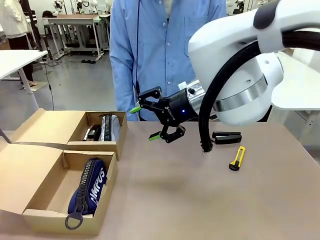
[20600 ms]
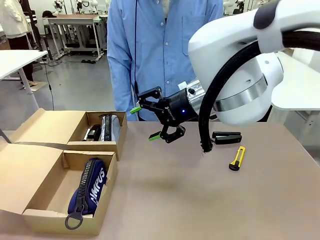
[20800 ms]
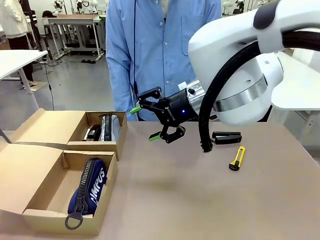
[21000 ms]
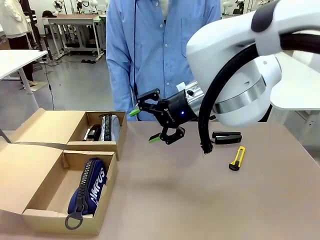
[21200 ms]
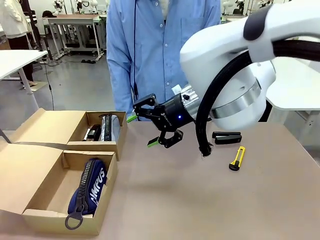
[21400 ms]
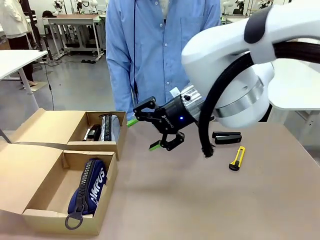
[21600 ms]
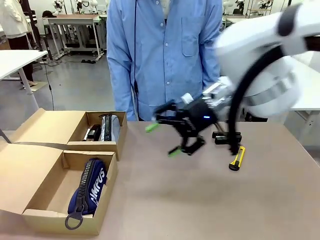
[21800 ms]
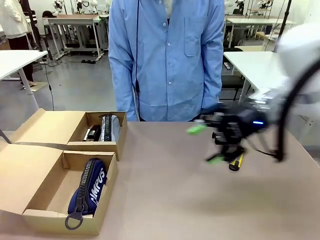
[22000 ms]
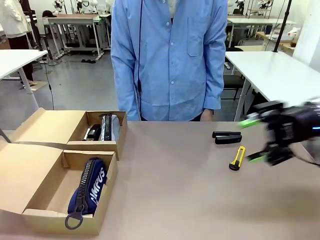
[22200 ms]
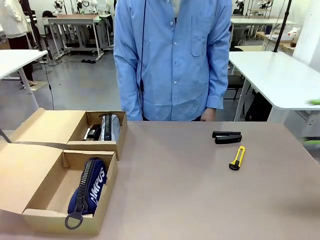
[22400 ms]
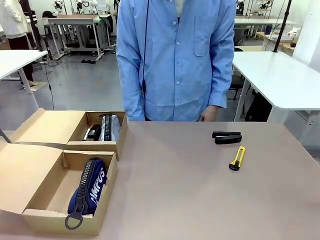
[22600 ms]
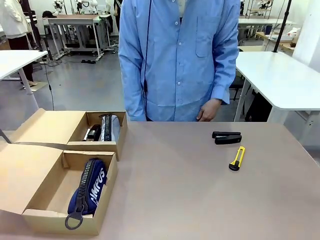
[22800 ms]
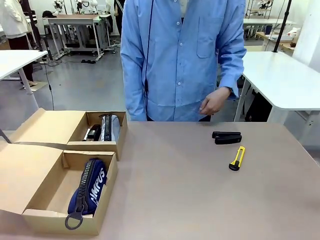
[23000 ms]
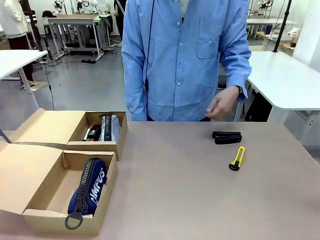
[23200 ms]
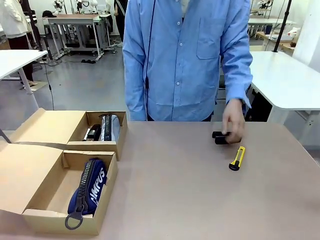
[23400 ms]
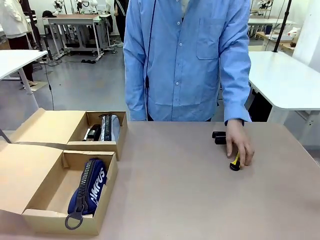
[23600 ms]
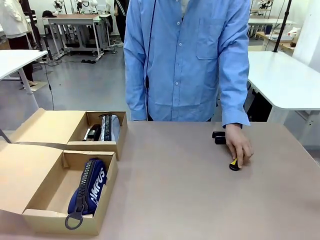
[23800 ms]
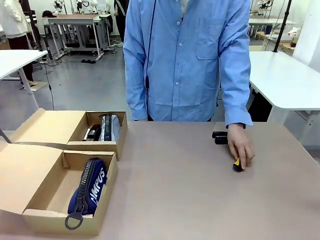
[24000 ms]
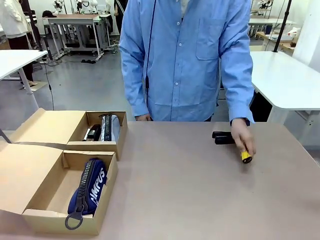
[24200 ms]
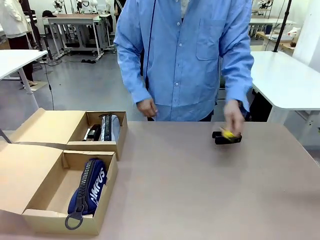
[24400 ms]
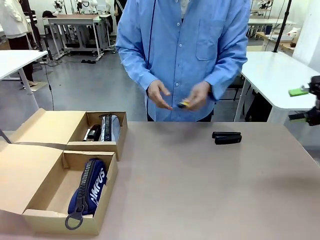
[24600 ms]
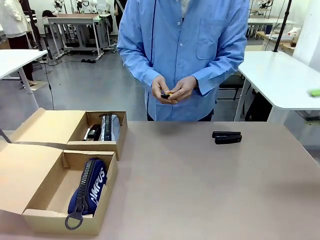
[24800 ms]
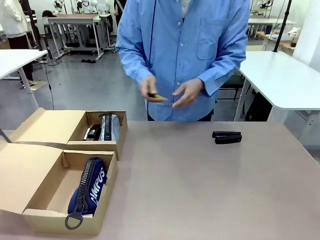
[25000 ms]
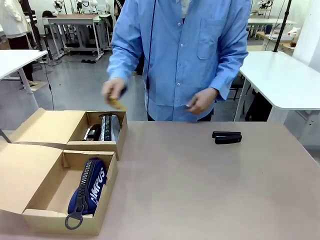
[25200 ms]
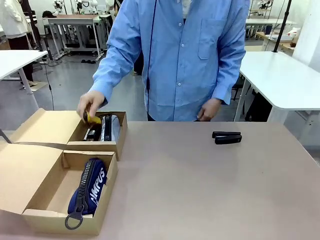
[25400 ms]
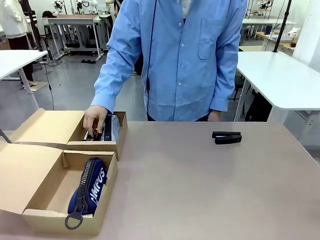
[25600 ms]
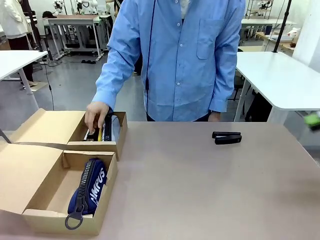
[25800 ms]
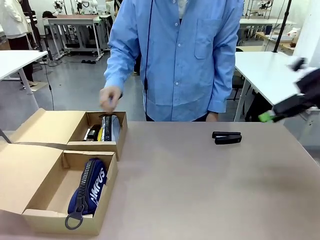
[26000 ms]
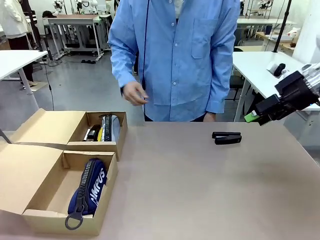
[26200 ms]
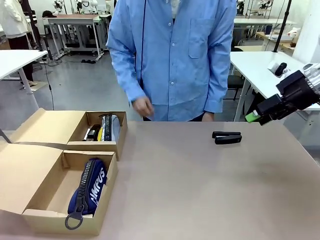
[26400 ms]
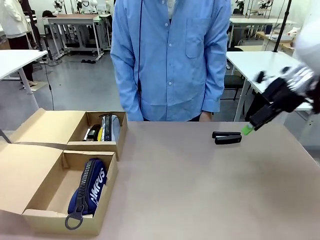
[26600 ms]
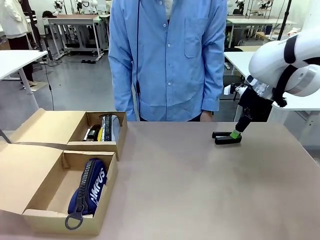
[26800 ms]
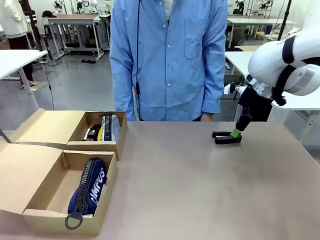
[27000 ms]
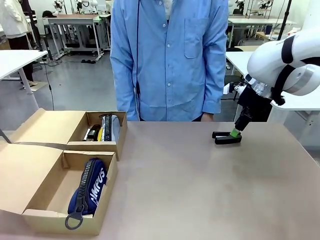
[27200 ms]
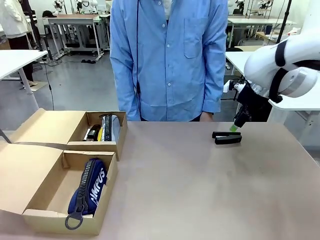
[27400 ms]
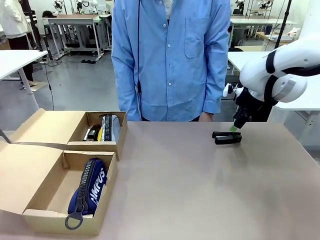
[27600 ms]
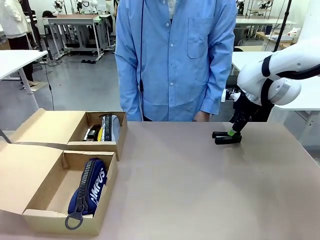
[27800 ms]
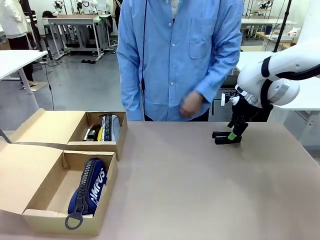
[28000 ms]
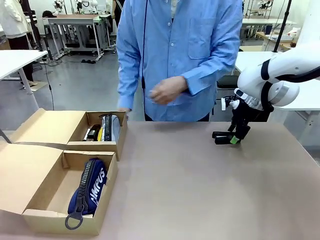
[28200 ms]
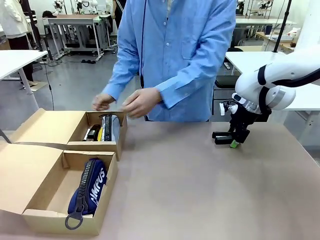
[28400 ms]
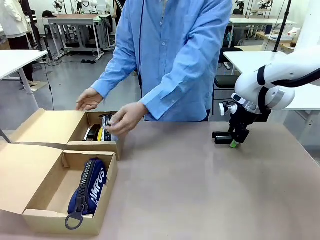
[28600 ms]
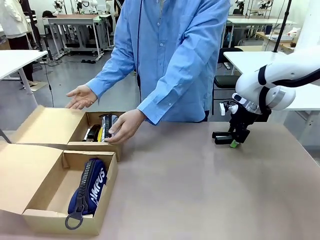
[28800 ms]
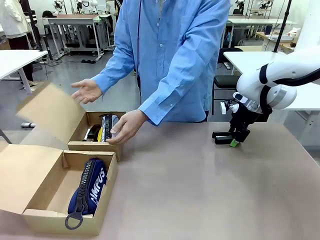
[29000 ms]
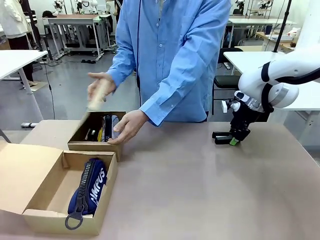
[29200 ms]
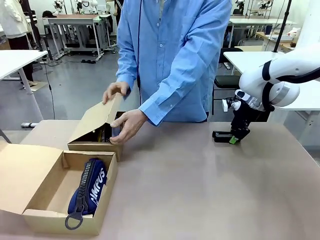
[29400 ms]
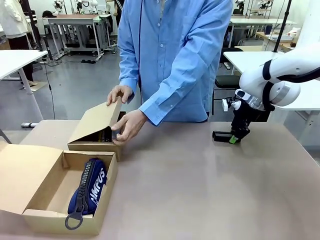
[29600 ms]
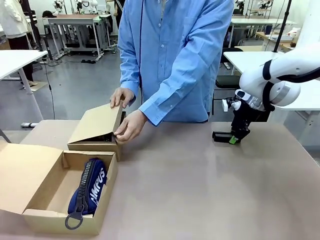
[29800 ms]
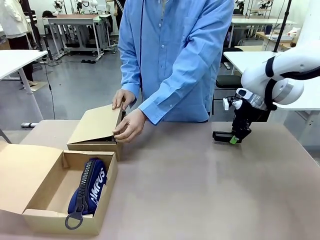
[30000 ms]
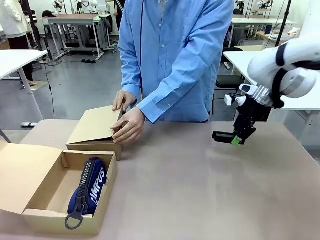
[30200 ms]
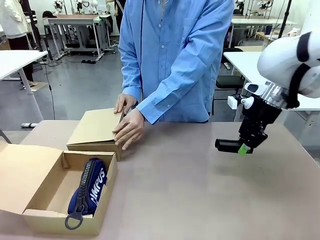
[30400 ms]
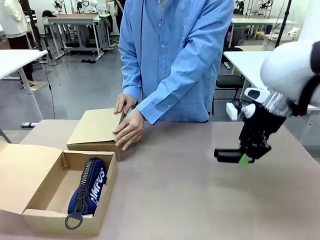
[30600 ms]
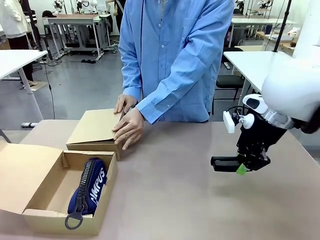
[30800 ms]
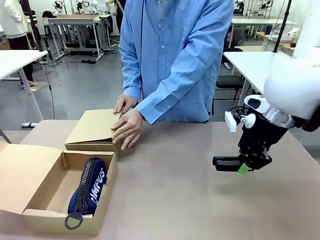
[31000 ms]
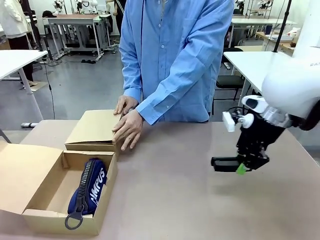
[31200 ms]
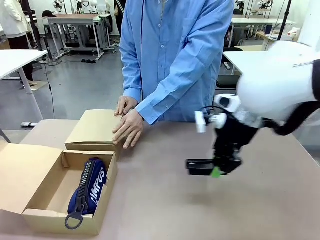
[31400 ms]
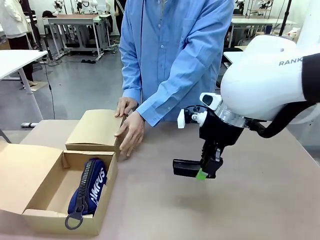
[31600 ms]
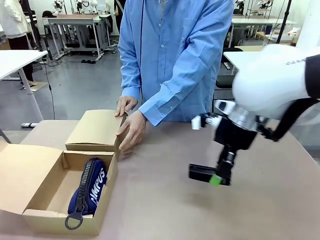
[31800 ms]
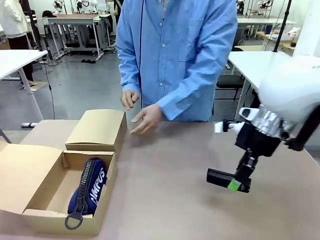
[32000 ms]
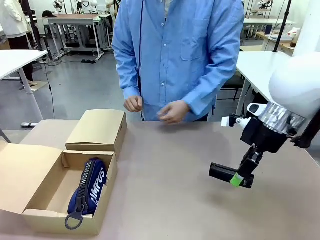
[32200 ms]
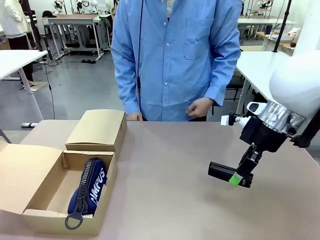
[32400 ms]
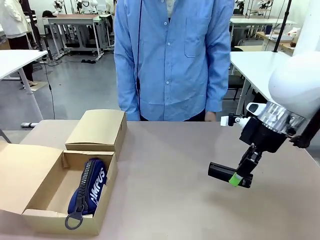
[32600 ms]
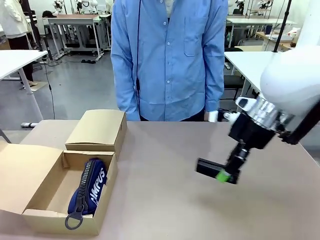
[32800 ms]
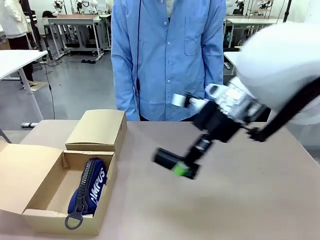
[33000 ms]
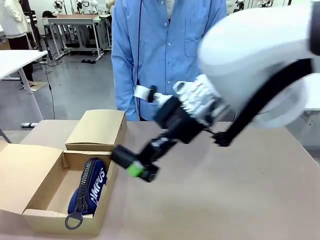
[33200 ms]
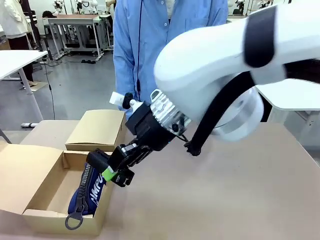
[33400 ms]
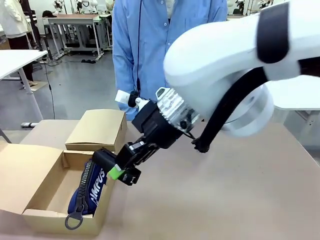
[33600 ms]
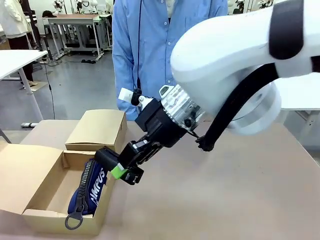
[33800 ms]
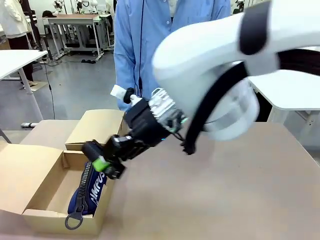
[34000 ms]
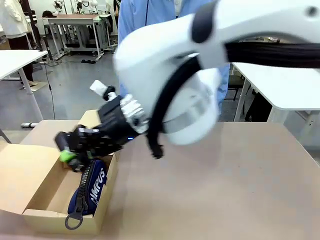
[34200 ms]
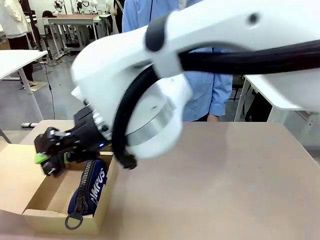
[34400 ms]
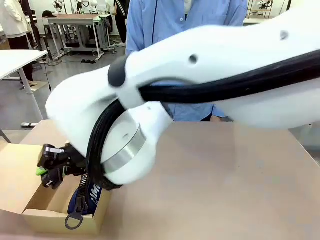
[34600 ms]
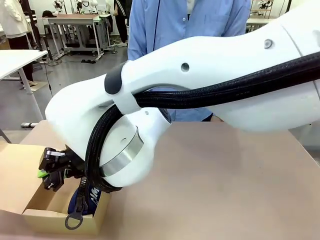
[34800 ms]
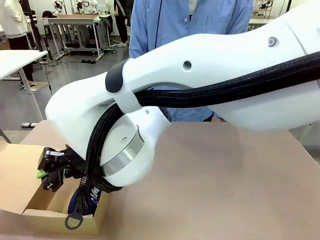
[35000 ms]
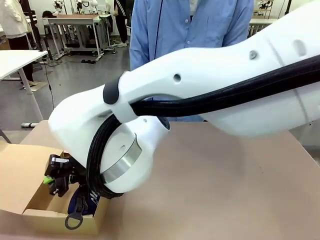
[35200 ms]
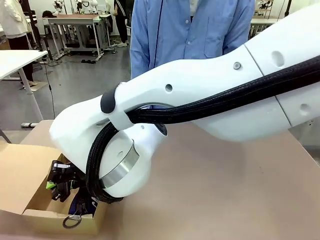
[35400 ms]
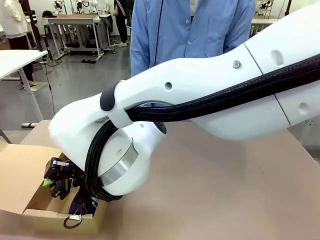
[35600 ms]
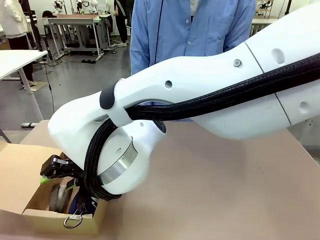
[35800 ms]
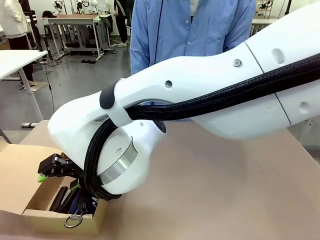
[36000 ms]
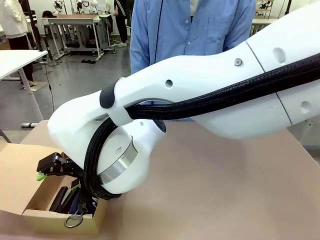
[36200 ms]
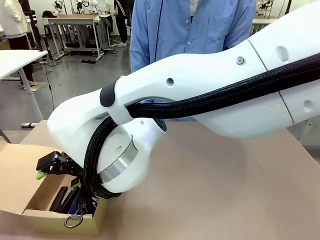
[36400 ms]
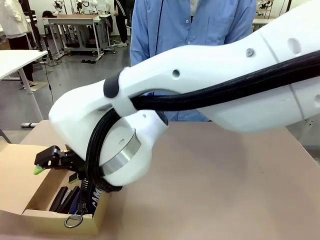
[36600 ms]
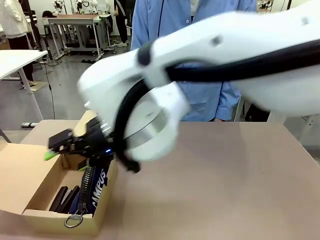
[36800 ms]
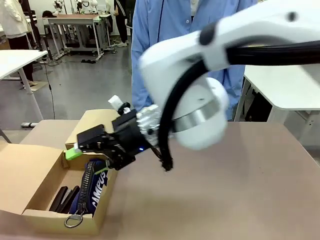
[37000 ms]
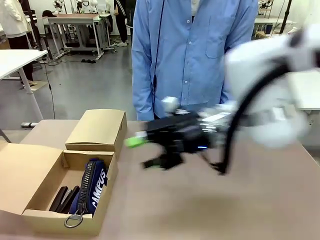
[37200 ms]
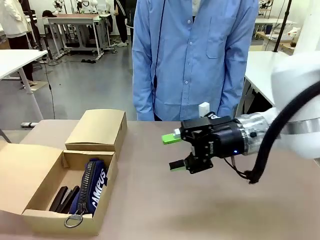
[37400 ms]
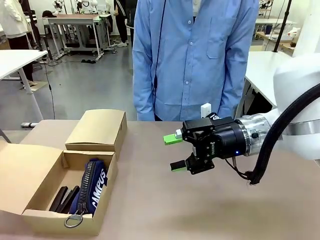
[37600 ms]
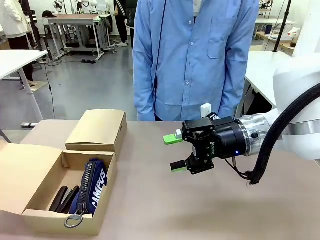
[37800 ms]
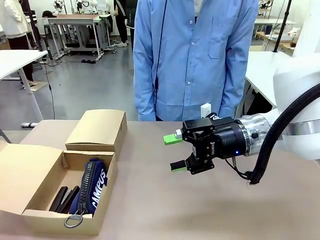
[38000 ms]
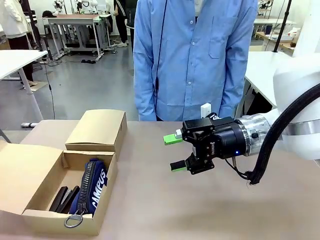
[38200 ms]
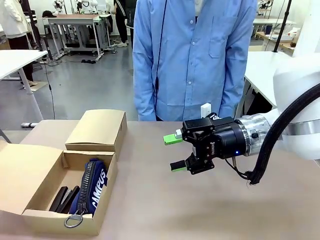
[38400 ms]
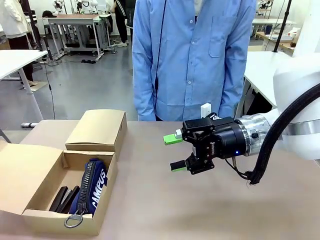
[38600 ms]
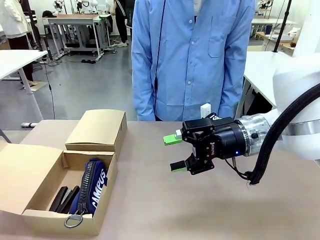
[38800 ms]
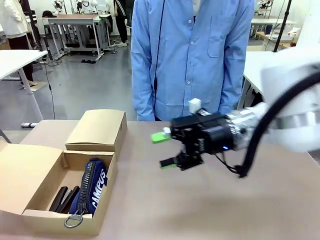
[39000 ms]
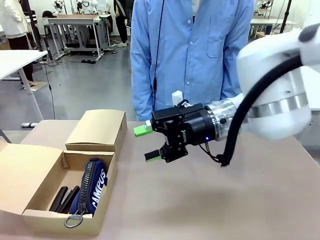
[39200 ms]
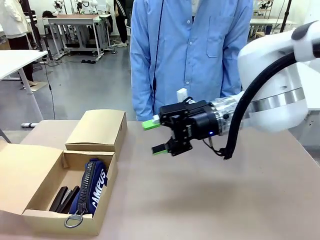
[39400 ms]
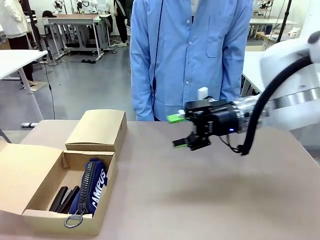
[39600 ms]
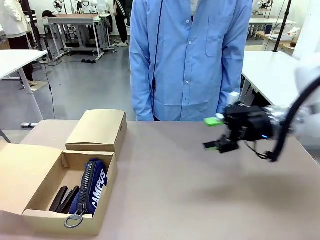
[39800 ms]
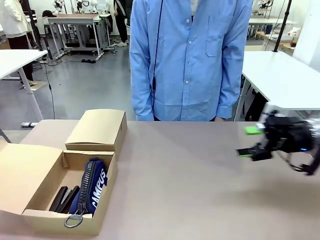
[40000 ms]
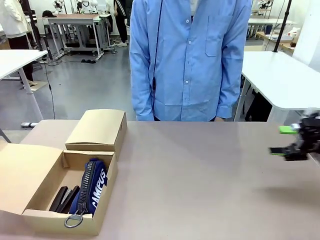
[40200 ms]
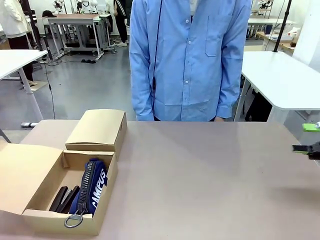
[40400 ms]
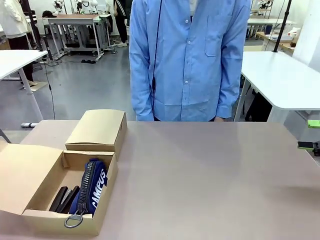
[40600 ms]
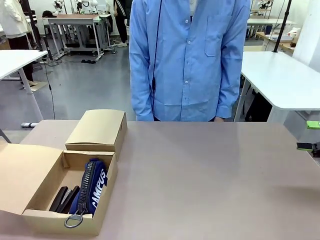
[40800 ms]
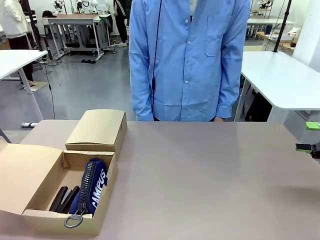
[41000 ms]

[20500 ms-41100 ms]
Task: Place items inside the box.
Robot: Pick up a Pencil pouch or Stapler and place it inside the Mailer Box closest to the robot.
Person: Close the lid of the box facing the person.
